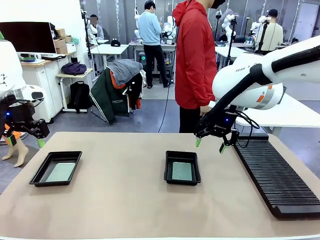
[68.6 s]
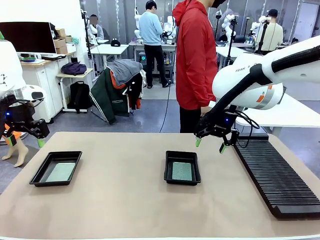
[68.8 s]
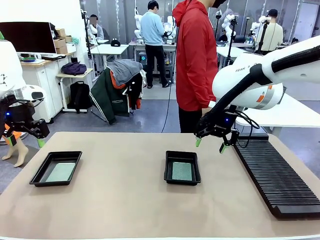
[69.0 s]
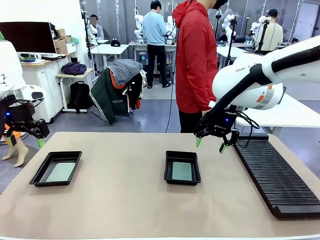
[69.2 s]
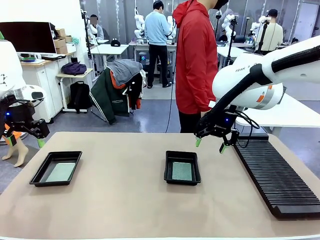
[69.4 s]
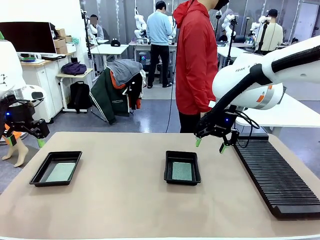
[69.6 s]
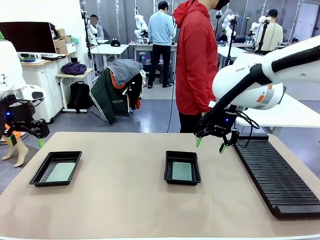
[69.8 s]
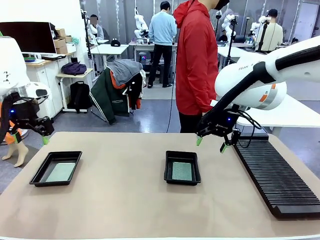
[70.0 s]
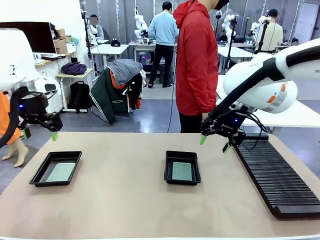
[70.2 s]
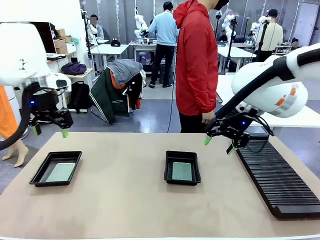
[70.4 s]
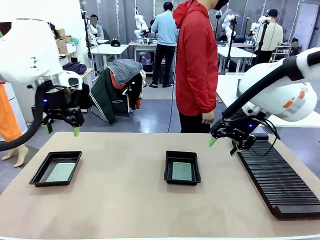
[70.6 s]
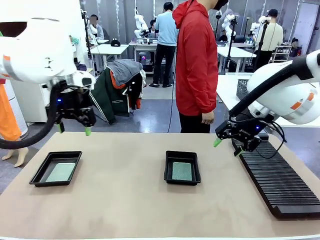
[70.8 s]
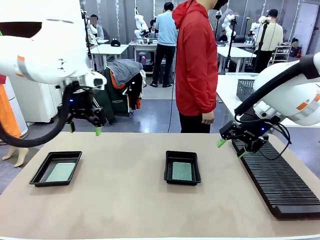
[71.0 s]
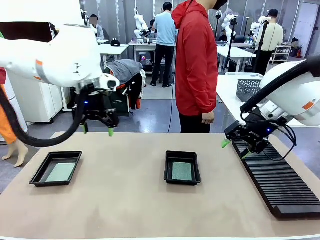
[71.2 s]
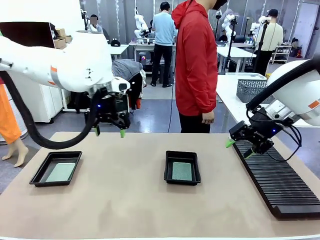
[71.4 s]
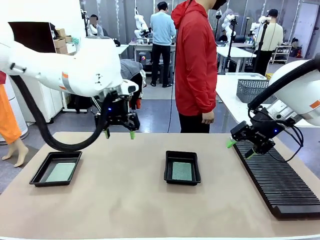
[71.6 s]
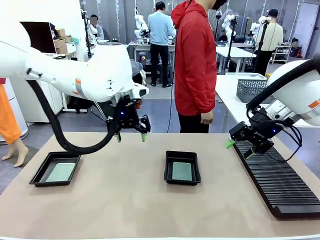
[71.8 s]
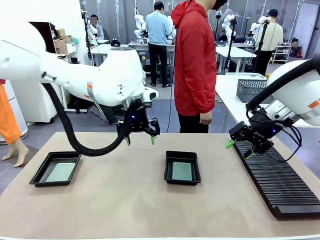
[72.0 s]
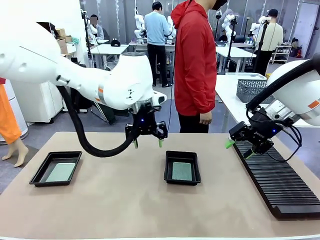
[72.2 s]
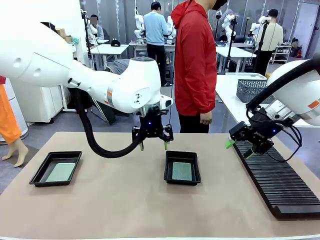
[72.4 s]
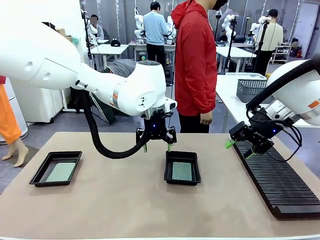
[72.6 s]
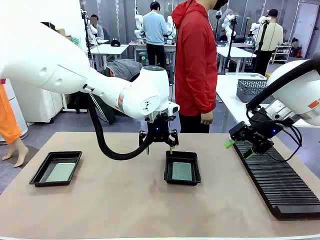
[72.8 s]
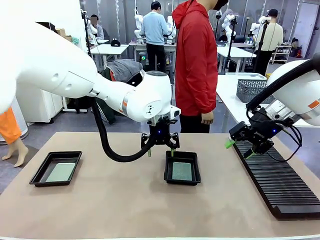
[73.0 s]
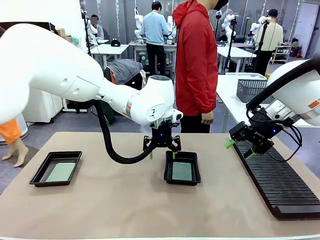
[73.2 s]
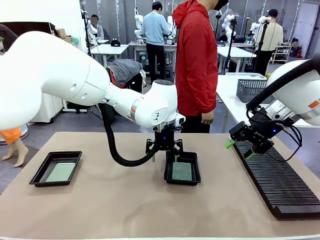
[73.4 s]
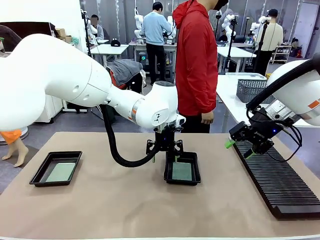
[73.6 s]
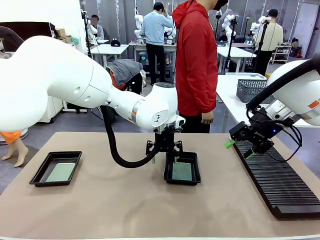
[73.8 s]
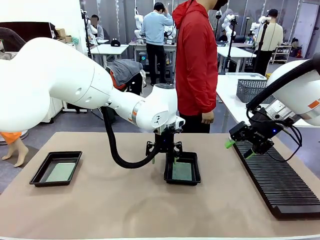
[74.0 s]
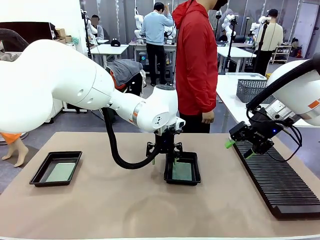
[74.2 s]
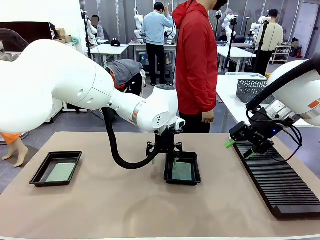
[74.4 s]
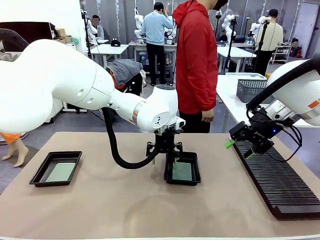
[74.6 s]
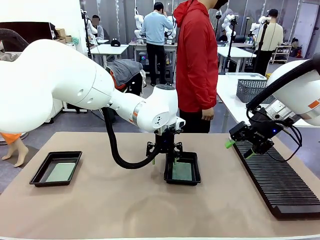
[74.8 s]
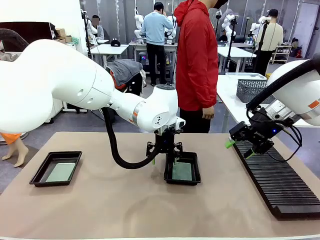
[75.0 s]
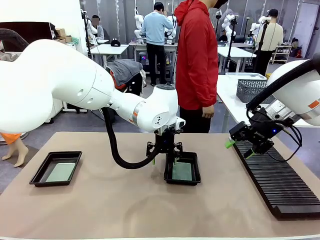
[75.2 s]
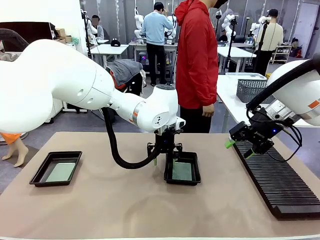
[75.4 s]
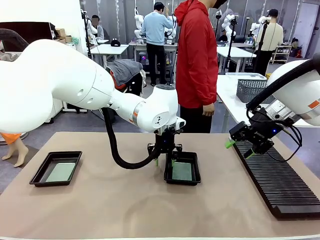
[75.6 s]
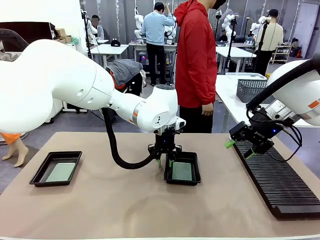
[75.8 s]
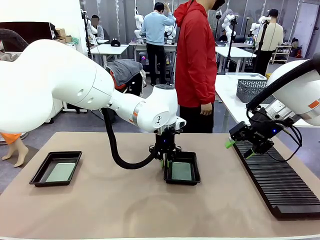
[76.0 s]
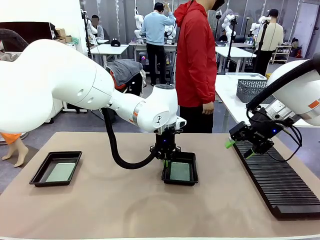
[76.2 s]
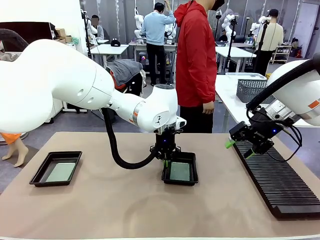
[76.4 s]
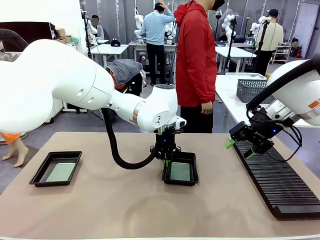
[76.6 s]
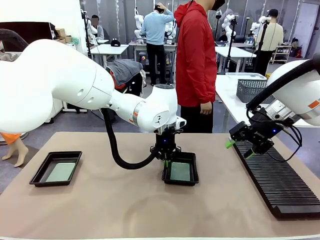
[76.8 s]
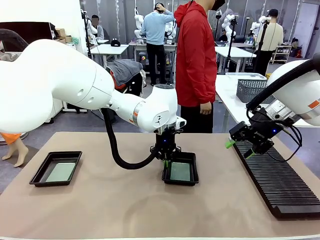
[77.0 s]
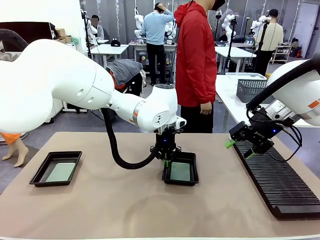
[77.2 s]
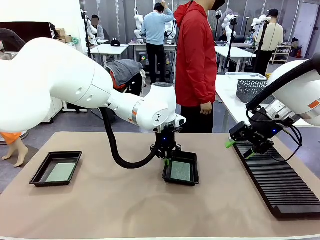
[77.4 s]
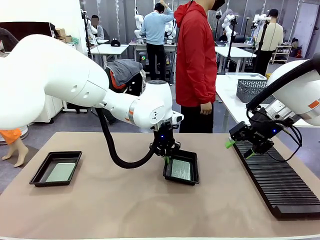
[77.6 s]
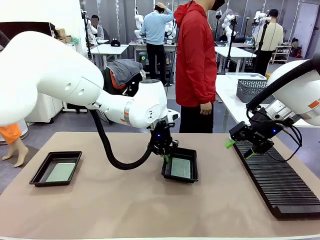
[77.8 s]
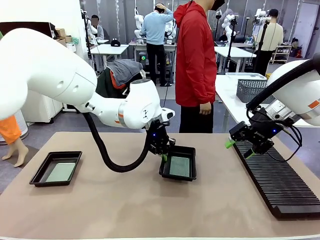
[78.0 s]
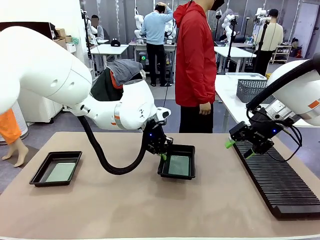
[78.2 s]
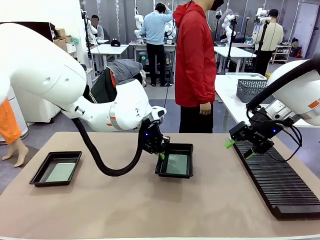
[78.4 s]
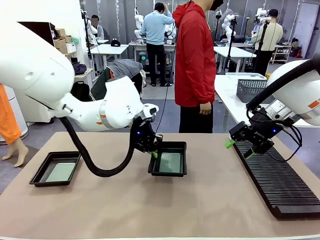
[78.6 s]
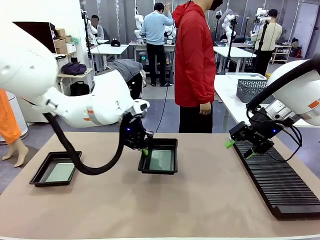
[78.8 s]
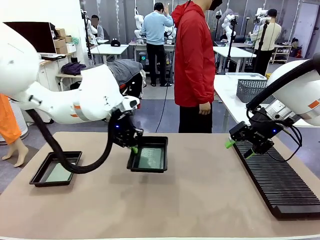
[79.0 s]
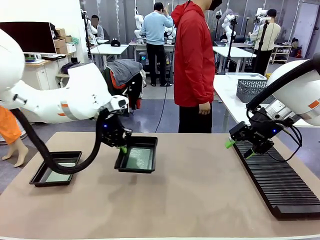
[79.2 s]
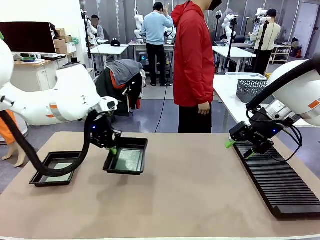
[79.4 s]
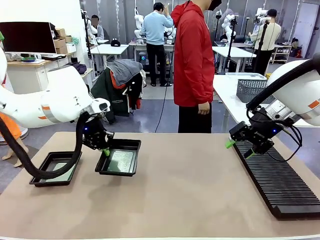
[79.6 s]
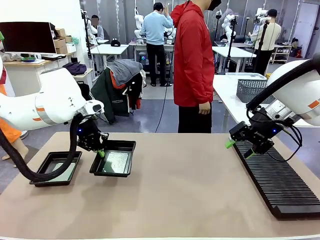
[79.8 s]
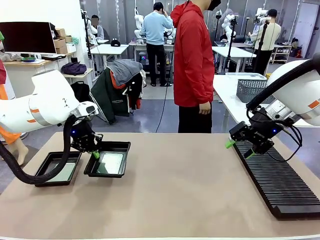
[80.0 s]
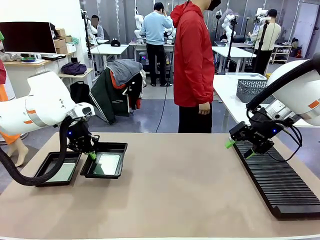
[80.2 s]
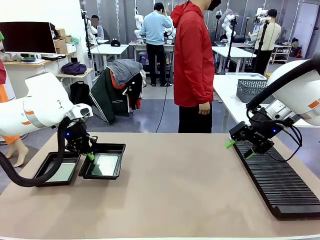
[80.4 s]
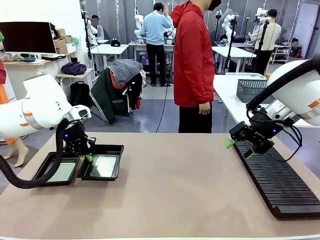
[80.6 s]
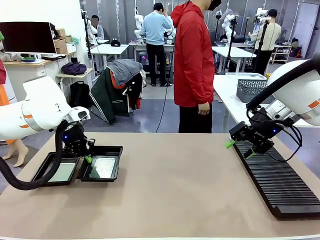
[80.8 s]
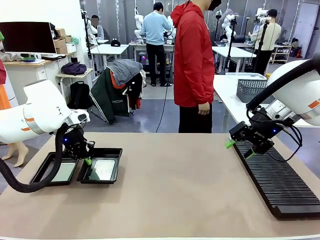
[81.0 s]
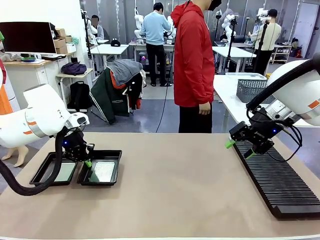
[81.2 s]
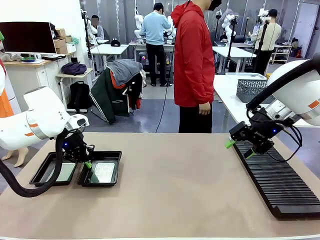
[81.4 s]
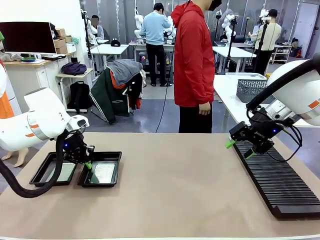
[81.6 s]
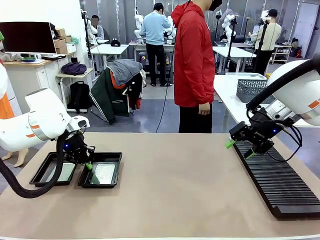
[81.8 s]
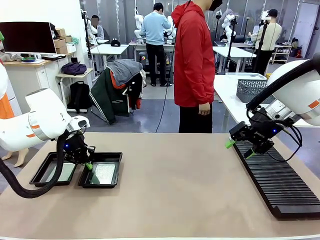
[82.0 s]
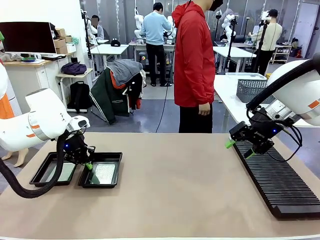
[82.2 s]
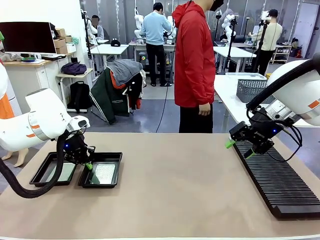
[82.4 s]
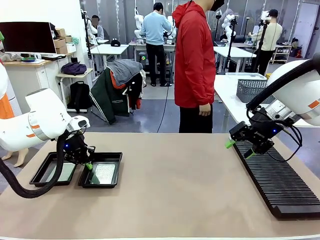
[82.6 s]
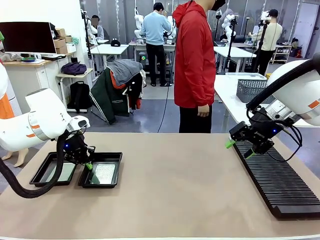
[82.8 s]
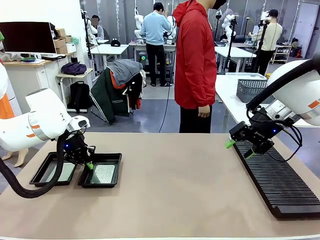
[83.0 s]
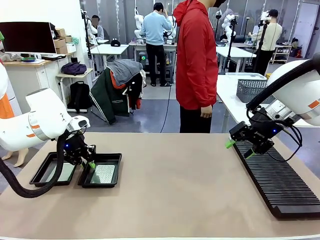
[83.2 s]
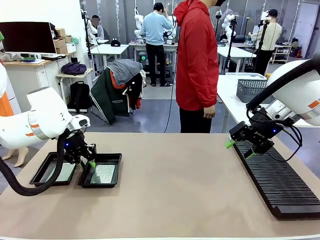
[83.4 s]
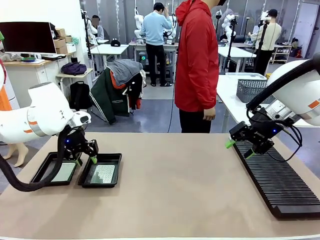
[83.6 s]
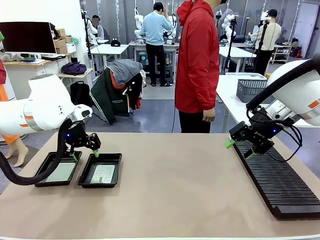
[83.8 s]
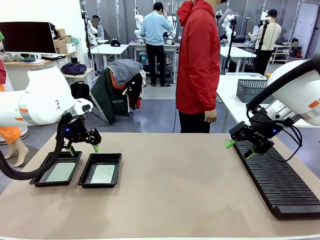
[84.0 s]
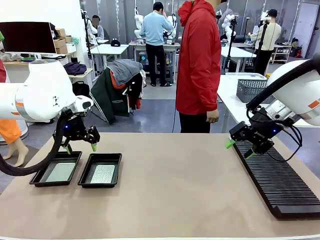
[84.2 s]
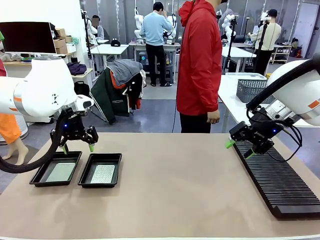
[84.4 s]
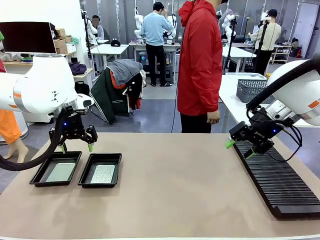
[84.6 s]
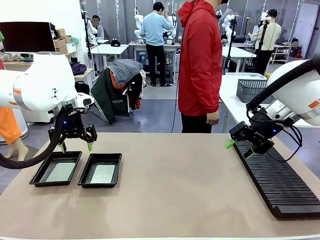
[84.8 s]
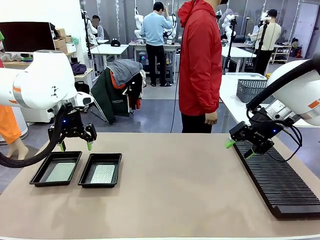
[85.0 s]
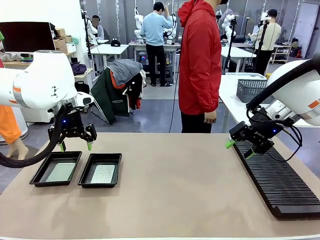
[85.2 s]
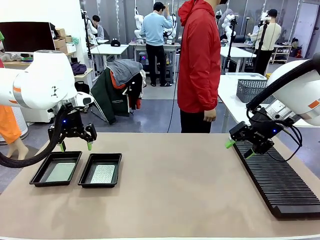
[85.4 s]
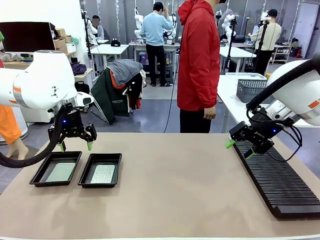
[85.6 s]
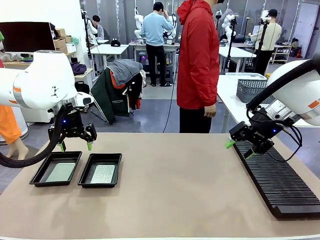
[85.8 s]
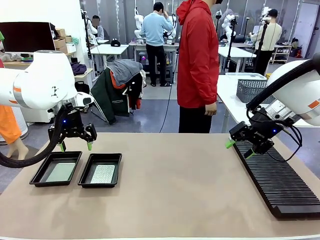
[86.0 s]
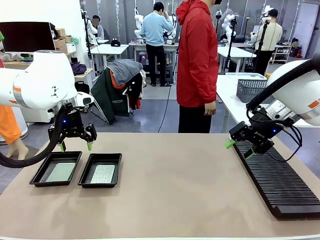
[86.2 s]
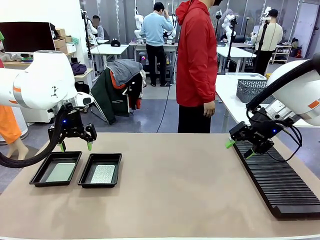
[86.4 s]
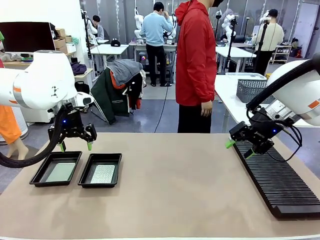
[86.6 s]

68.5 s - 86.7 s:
Task: Inspect and transfer BCBs to ESD trays.
Robot: Pick up the ESD tray and place it on the left side of the table.

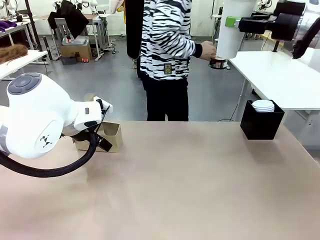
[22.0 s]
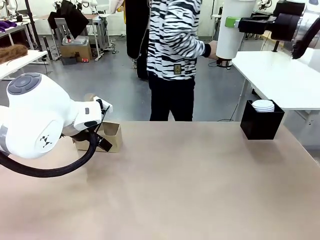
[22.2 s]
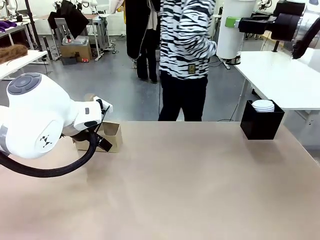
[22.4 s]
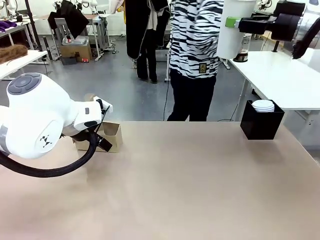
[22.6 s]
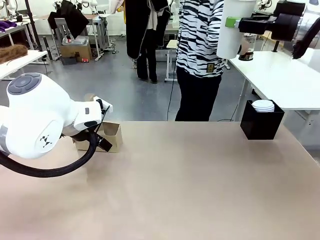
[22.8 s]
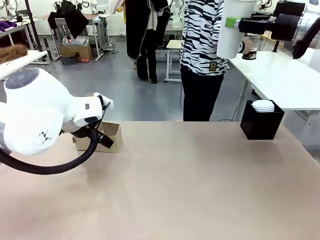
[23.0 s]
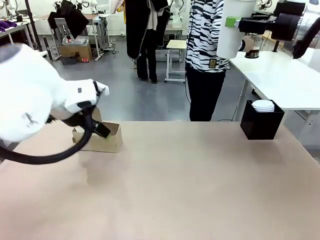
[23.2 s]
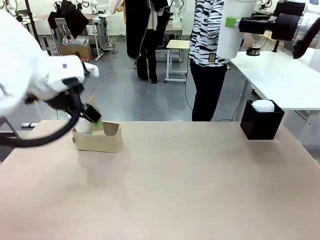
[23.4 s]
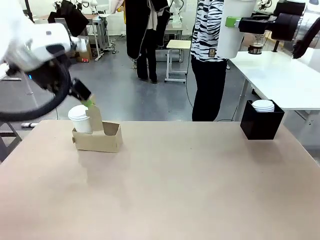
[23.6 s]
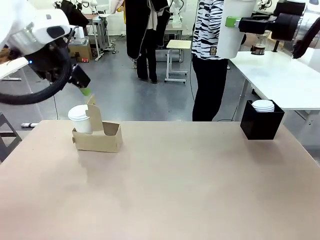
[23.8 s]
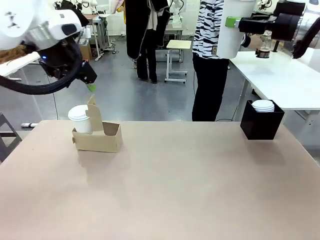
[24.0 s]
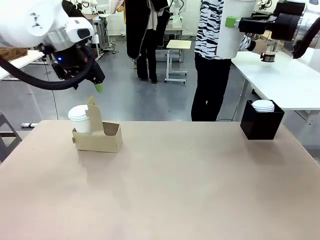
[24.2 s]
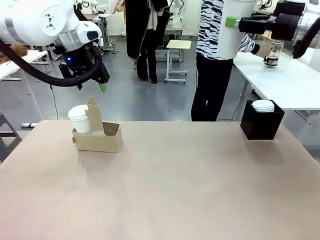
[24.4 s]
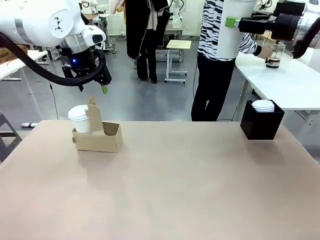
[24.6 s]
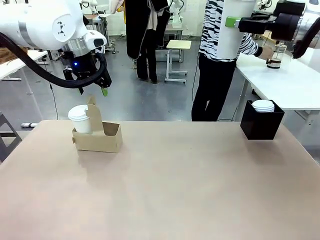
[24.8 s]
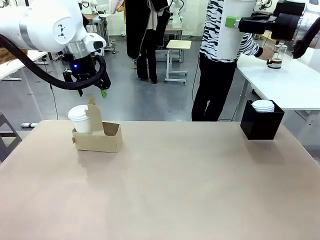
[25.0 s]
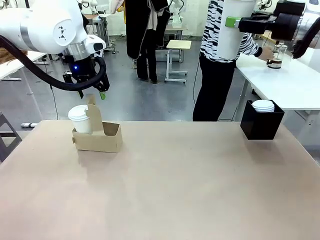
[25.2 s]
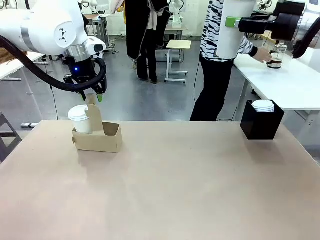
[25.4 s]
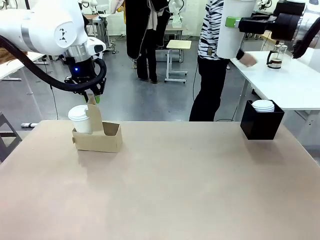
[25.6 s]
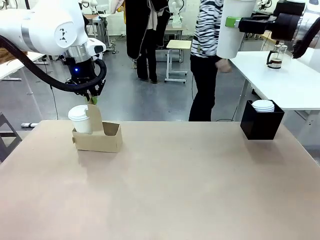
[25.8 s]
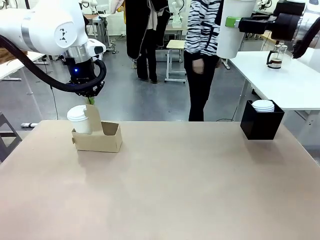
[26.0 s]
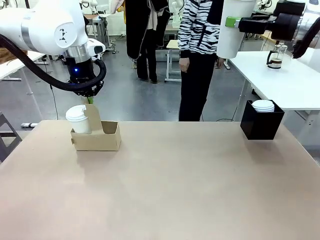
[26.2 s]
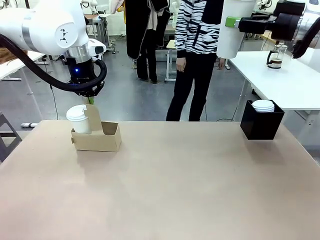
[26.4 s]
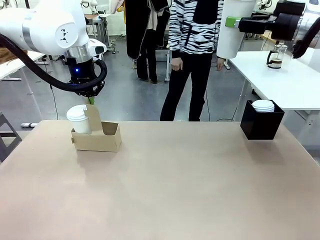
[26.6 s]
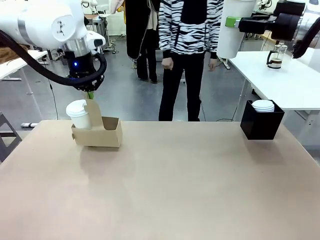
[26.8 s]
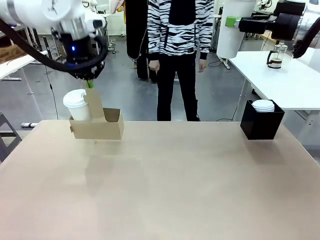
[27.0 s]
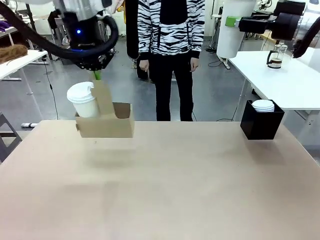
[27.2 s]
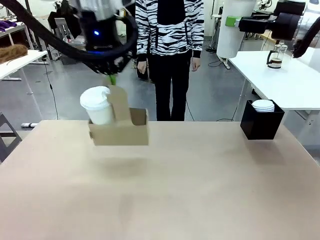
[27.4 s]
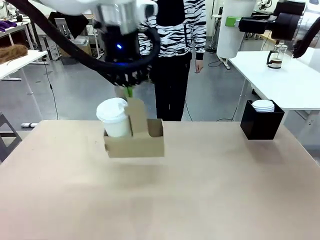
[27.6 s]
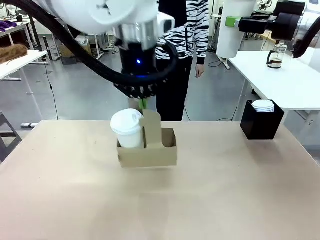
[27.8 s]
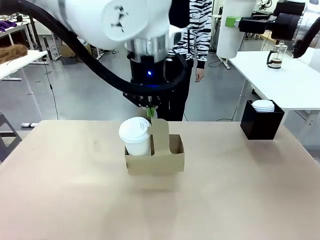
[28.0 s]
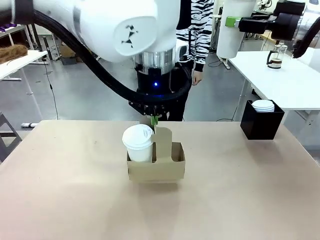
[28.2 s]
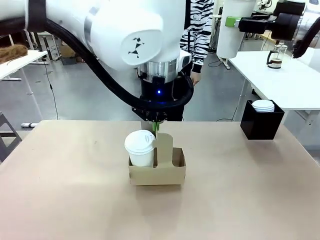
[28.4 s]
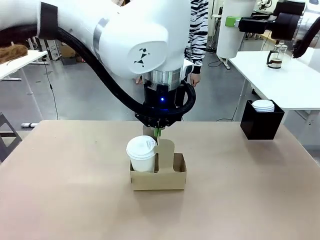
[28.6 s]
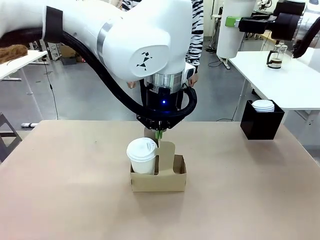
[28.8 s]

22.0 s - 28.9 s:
Task: Pour a drink into a cup and package it in a carrier.
Robot: Position the Cup Carrier in the center of the table.
Person: Pick up the Filter Brewing and place on the middle of Human table, and return to the Robot table.
